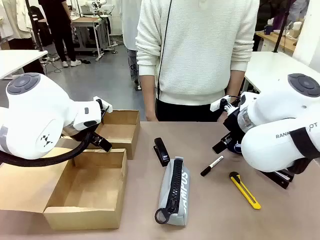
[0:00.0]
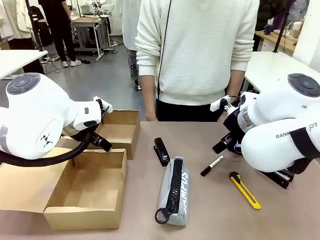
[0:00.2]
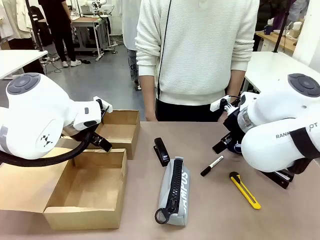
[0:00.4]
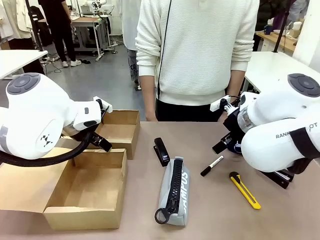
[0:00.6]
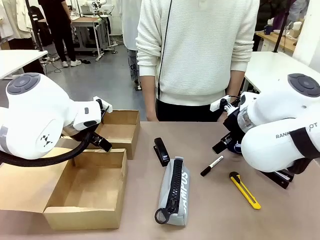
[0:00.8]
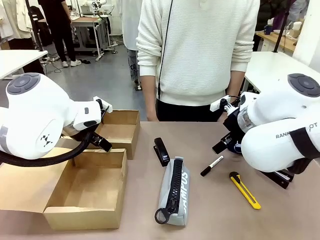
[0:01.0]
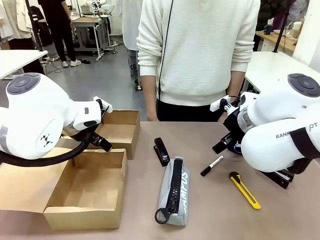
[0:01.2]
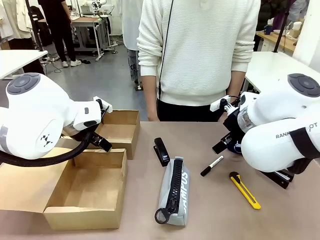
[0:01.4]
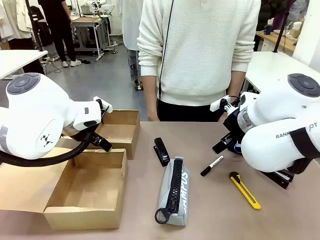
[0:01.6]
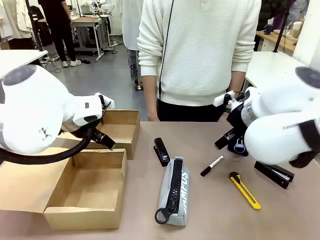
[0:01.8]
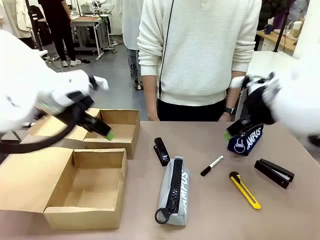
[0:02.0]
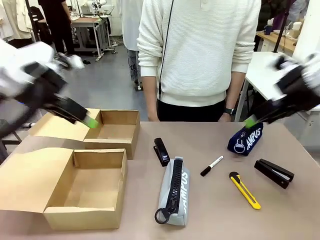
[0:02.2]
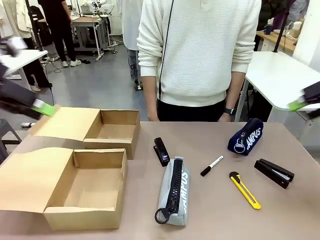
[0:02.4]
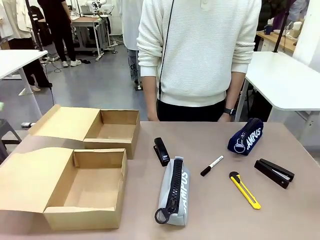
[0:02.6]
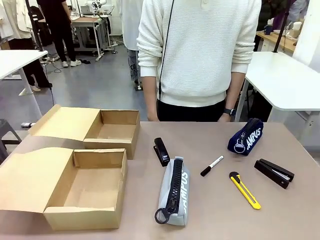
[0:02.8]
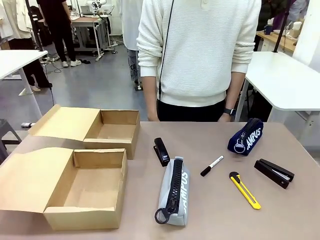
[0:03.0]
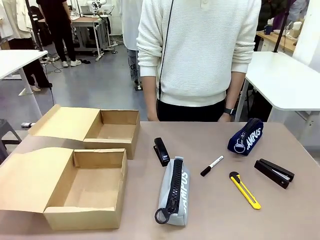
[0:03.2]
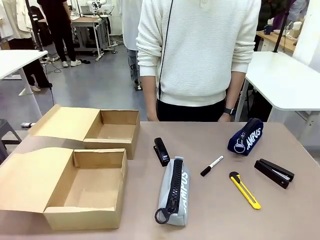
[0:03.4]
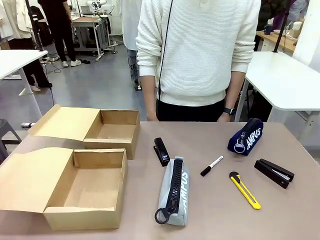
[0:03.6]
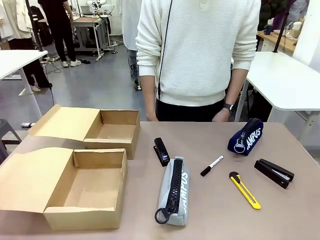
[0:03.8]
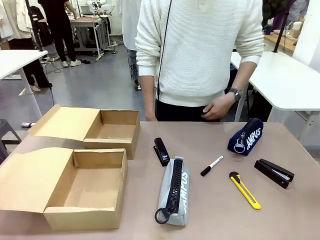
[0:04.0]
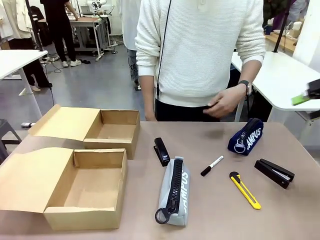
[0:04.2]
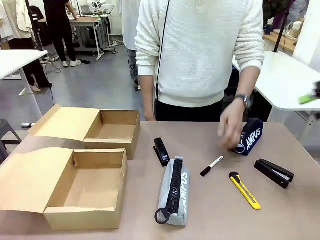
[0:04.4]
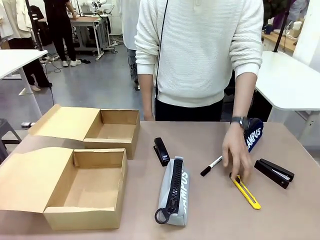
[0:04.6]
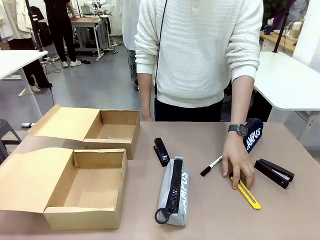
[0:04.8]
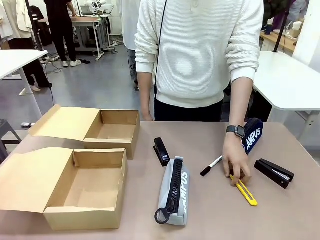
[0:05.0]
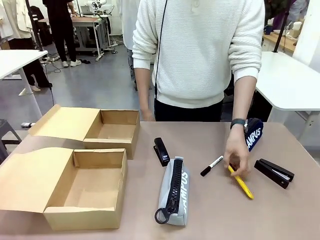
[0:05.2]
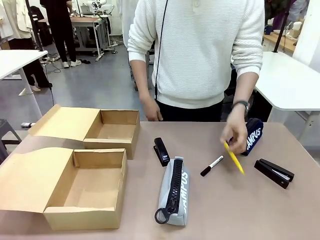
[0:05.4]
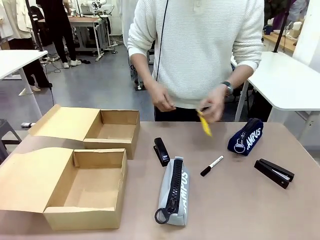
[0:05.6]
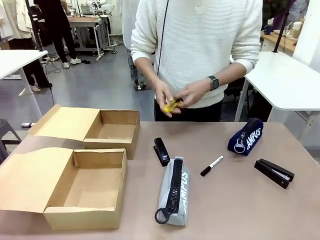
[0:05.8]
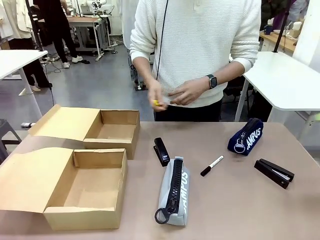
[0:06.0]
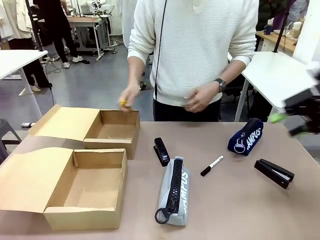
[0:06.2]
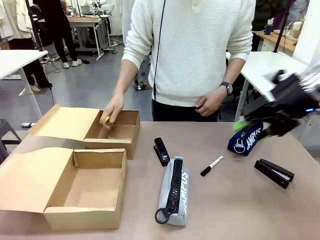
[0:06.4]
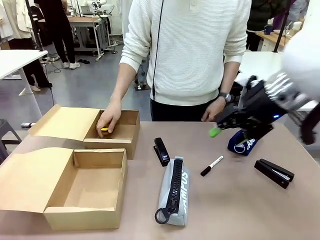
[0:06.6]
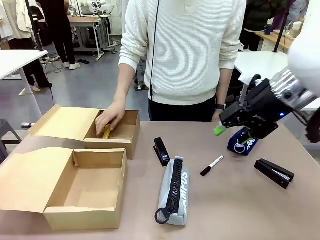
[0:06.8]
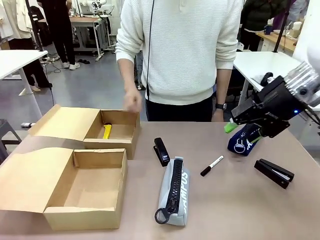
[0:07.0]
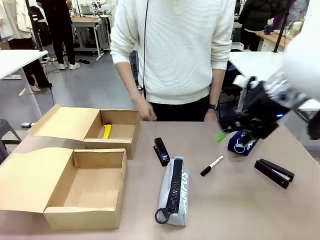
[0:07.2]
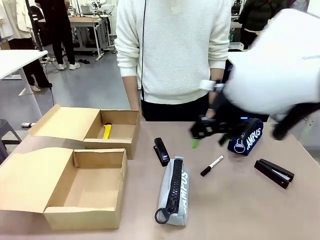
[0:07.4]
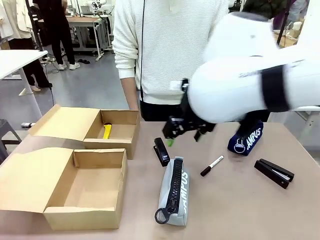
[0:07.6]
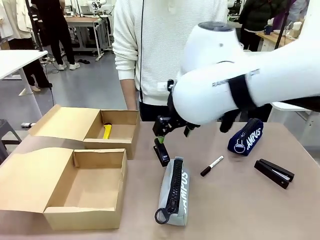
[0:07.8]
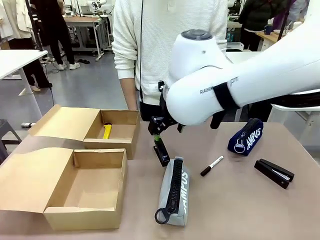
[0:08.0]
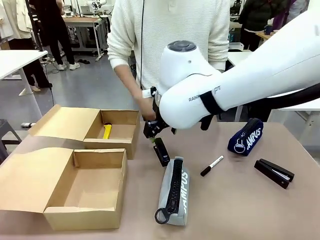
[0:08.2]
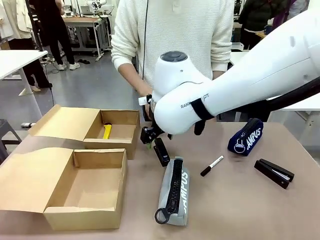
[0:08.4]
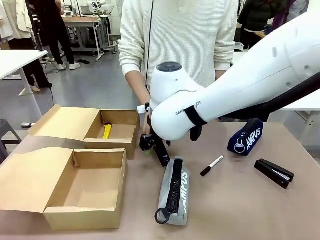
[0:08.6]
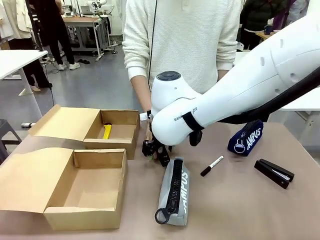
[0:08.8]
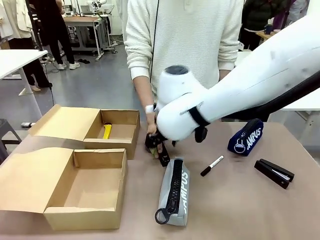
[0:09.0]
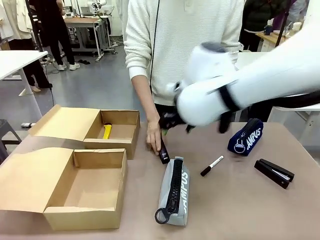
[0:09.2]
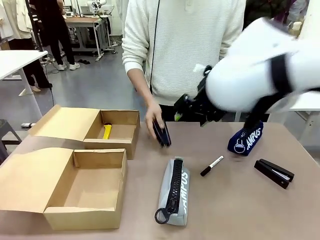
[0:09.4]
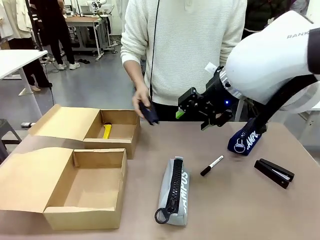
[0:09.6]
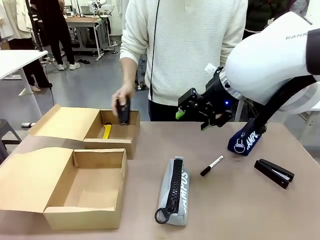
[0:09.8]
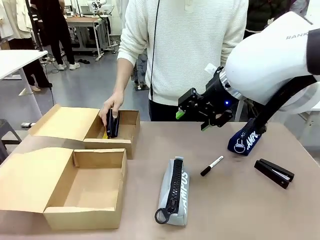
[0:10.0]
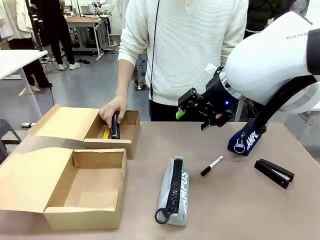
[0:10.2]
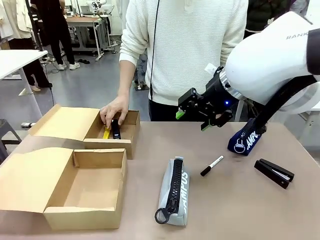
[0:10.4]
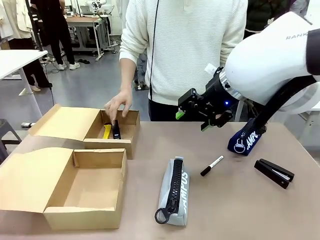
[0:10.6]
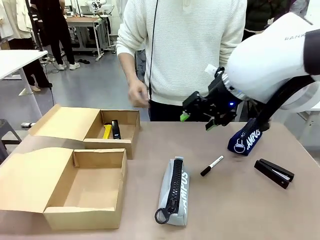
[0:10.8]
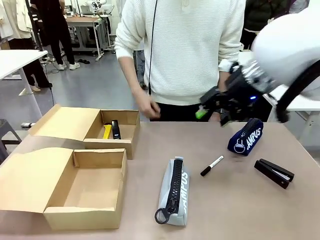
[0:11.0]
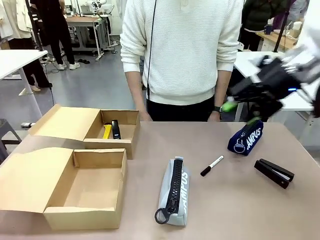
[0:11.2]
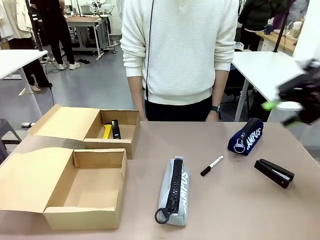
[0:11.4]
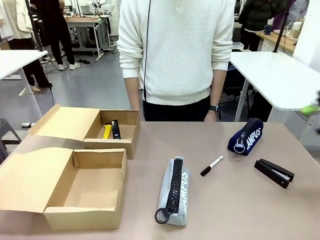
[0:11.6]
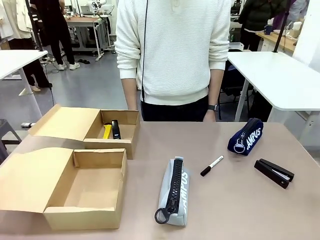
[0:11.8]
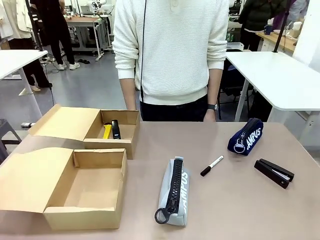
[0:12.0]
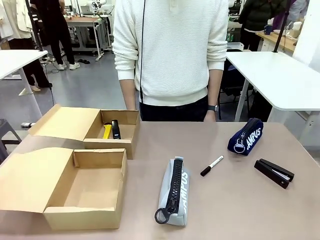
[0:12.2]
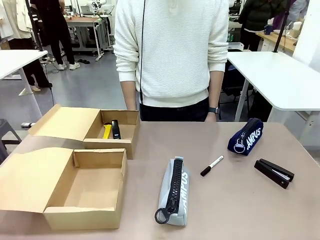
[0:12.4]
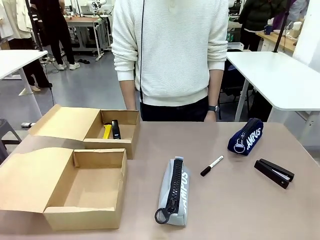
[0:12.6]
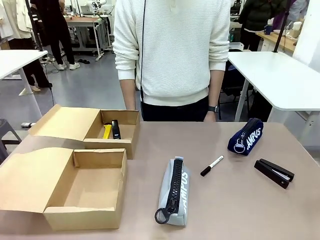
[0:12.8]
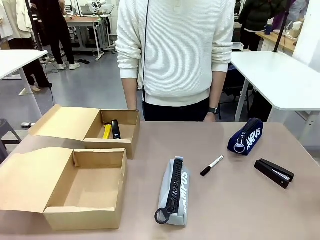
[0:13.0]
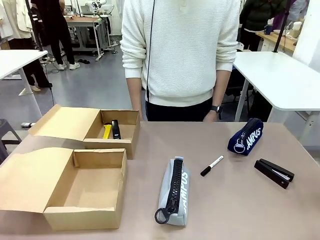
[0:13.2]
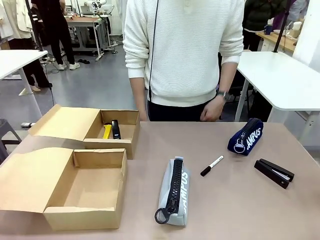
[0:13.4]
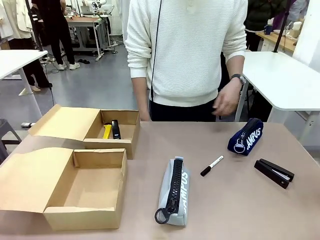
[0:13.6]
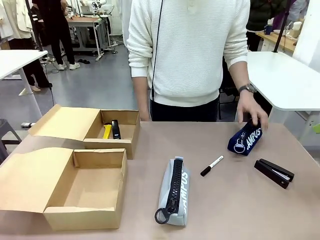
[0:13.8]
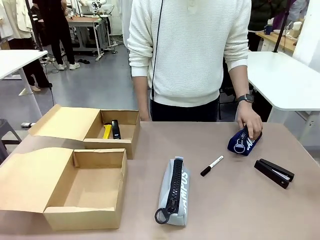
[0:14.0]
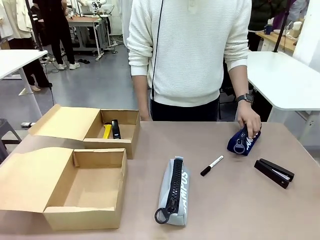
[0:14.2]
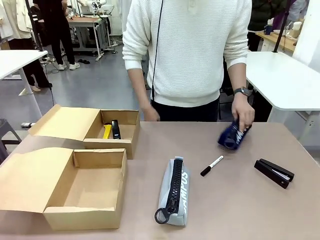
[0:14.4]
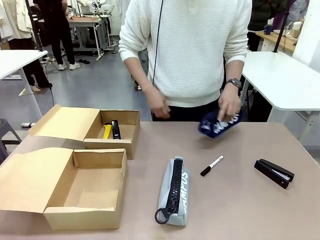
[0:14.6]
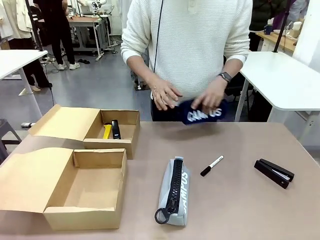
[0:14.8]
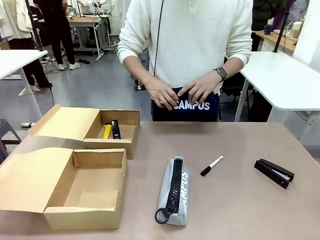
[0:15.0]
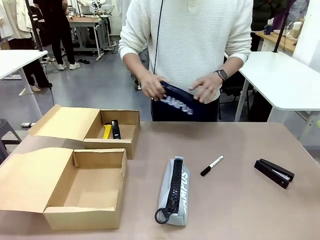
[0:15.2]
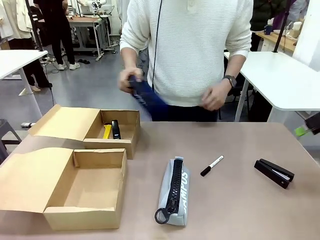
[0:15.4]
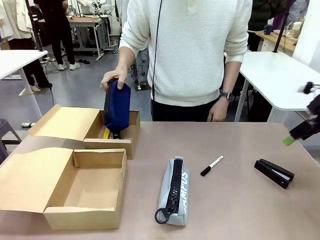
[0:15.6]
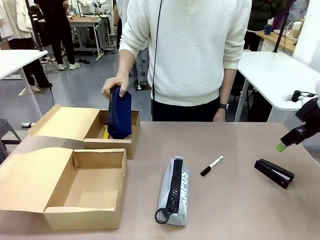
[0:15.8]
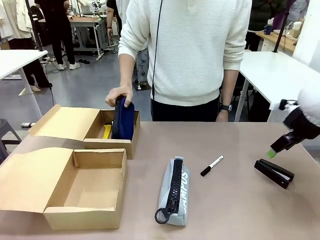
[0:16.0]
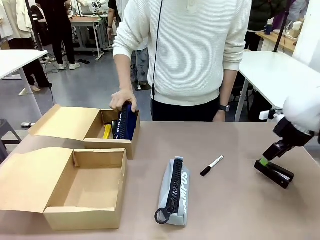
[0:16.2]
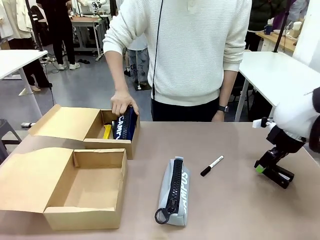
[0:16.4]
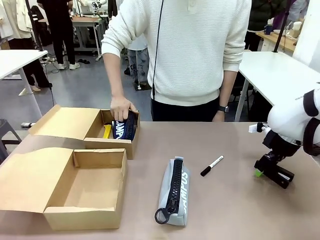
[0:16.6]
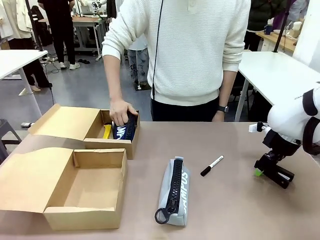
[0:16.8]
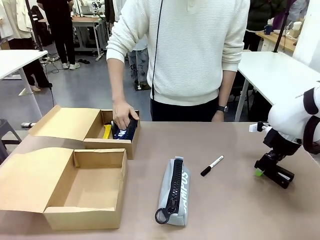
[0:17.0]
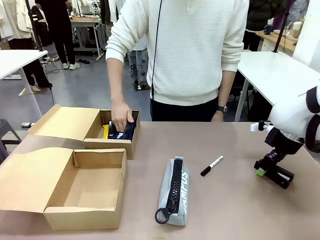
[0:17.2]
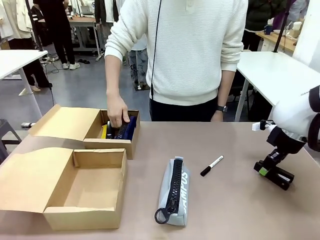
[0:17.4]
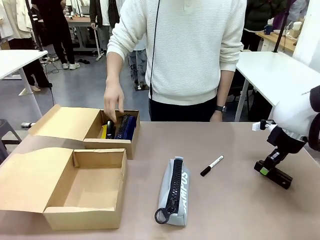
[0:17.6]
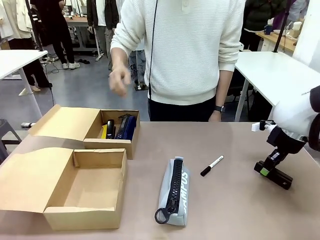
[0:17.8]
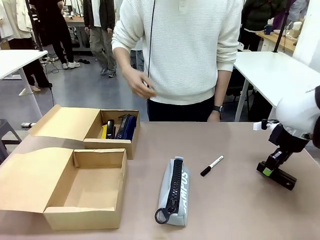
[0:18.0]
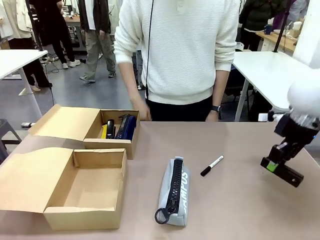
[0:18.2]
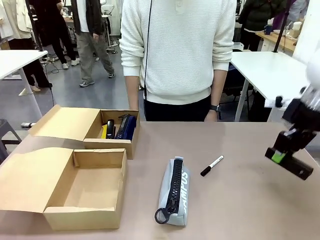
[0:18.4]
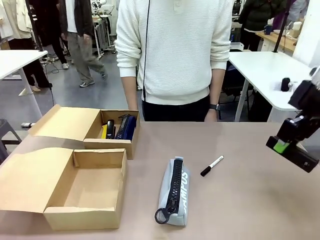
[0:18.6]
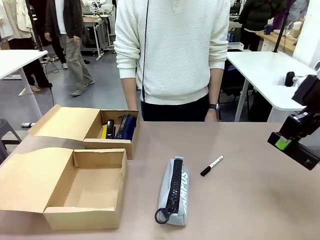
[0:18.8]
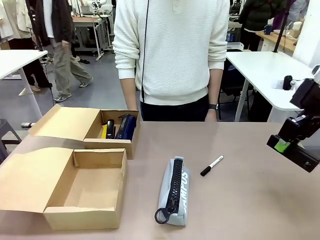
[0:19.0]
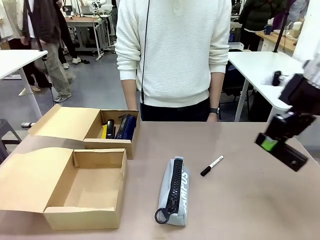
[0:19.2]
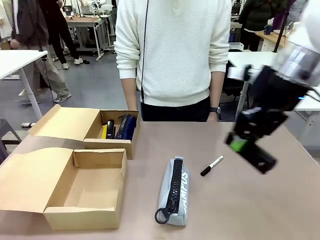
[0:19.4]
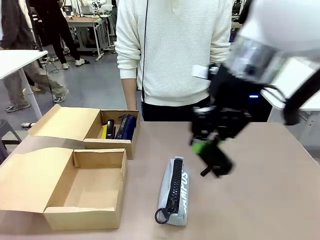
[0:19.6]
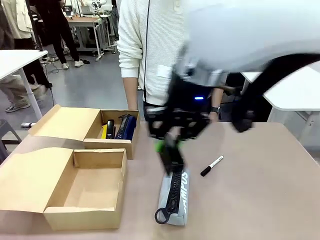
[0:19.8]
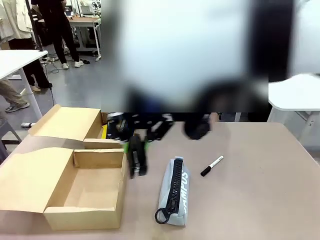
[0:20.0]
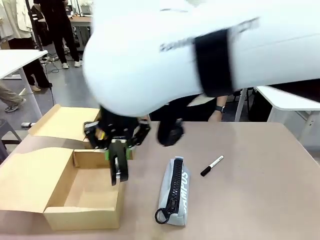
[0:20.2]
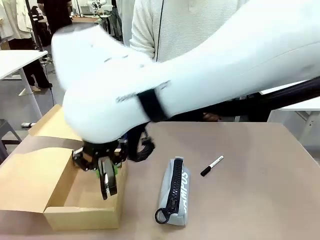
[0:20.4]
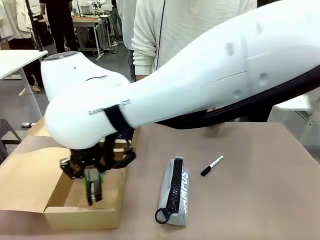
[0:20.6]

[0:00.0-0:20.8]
Task: Place items inside the box.
Robot: Pick up a Pencil pouch or Stapler and place it inside the Mailer Box closest to the robot.
Person: Pick up an object on the table and put it in the box.
